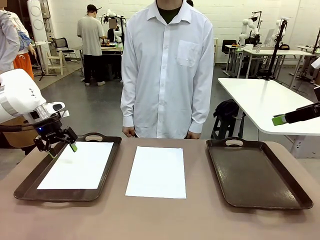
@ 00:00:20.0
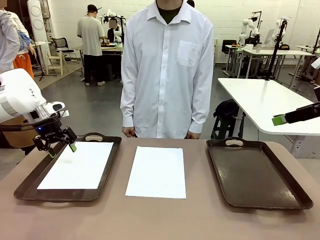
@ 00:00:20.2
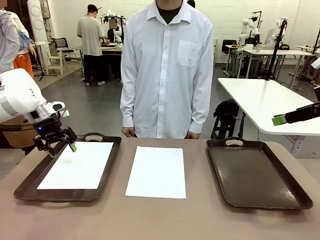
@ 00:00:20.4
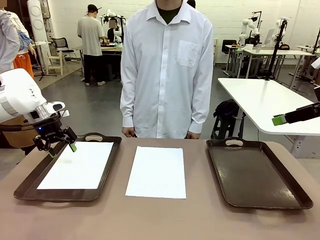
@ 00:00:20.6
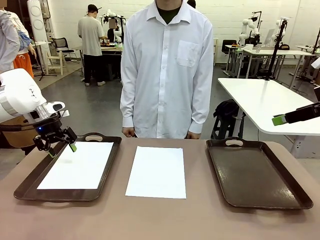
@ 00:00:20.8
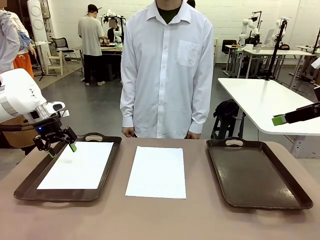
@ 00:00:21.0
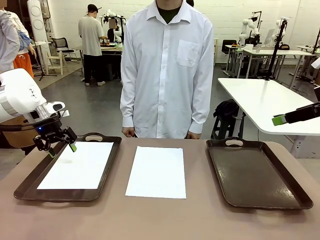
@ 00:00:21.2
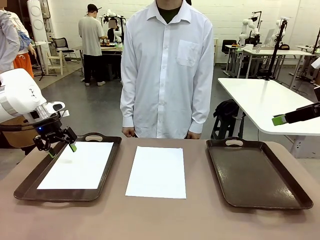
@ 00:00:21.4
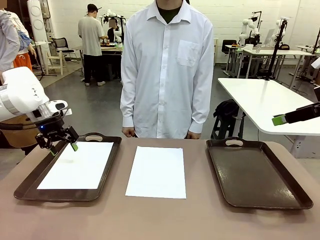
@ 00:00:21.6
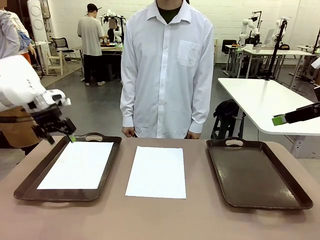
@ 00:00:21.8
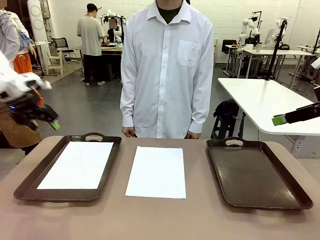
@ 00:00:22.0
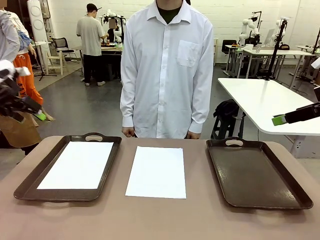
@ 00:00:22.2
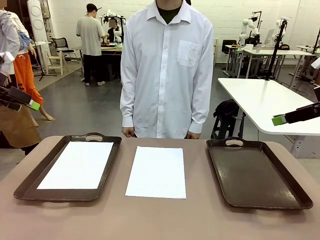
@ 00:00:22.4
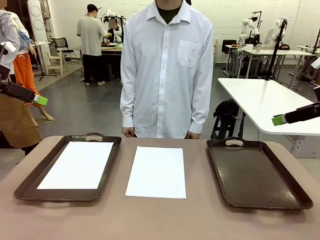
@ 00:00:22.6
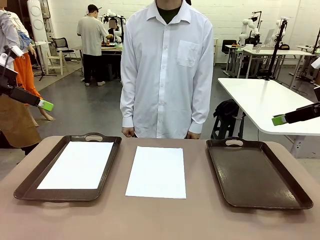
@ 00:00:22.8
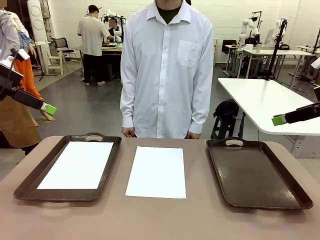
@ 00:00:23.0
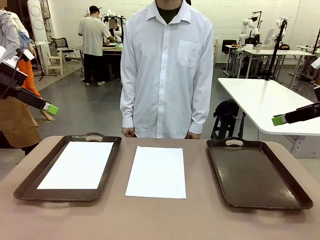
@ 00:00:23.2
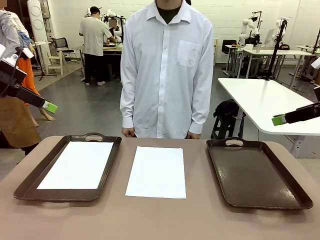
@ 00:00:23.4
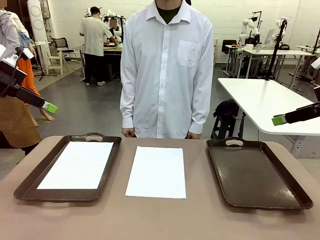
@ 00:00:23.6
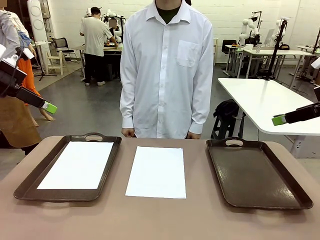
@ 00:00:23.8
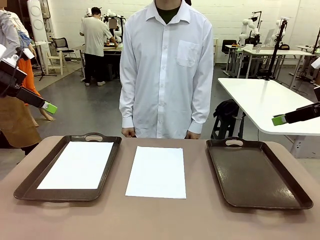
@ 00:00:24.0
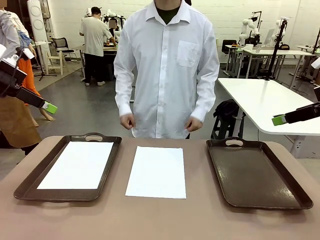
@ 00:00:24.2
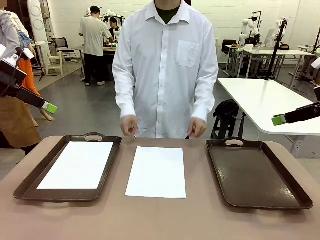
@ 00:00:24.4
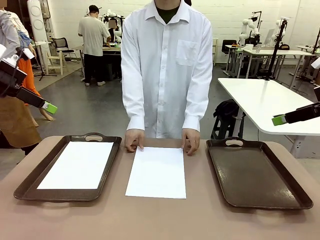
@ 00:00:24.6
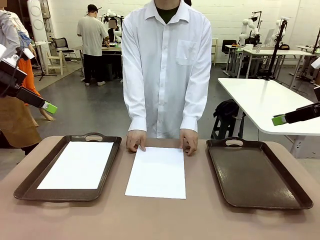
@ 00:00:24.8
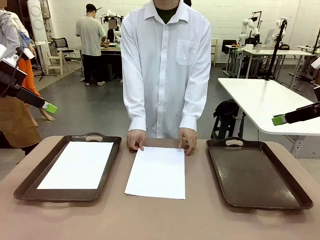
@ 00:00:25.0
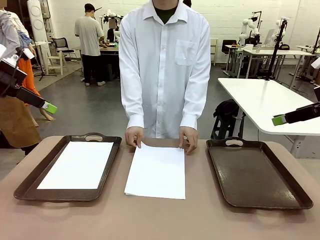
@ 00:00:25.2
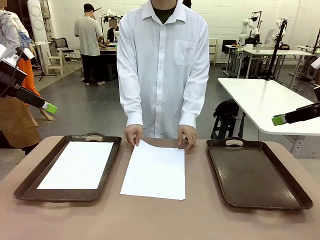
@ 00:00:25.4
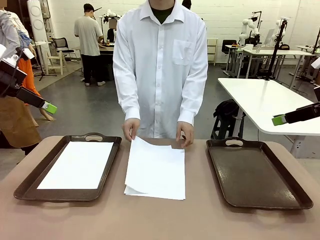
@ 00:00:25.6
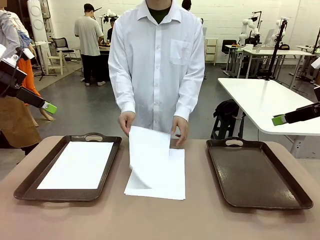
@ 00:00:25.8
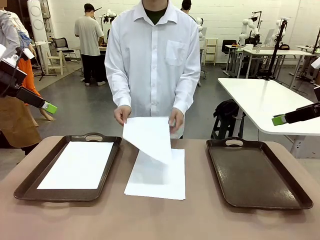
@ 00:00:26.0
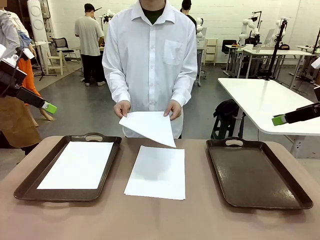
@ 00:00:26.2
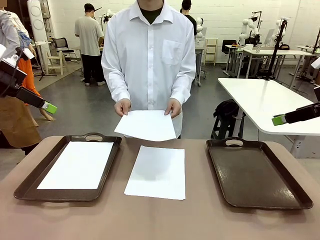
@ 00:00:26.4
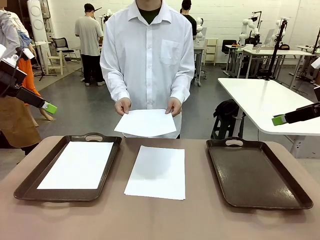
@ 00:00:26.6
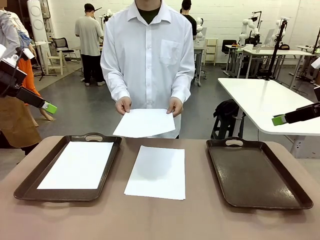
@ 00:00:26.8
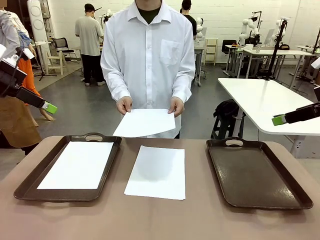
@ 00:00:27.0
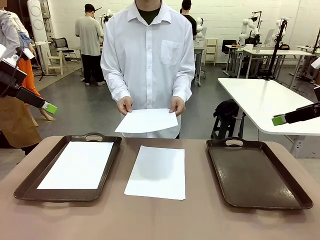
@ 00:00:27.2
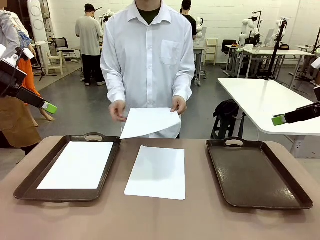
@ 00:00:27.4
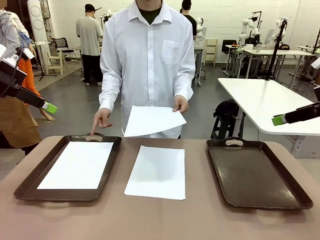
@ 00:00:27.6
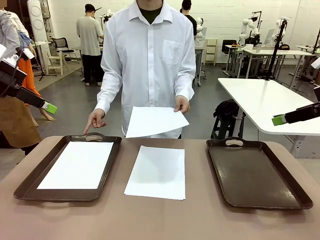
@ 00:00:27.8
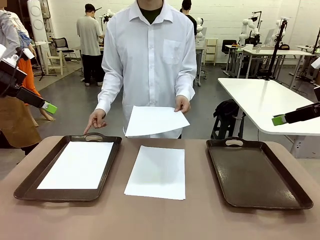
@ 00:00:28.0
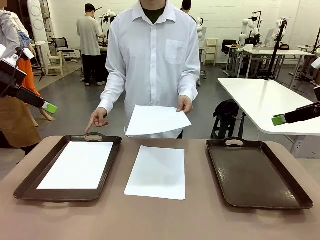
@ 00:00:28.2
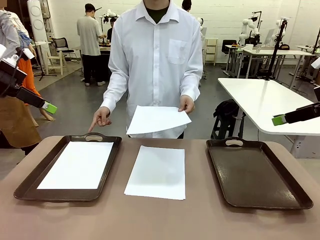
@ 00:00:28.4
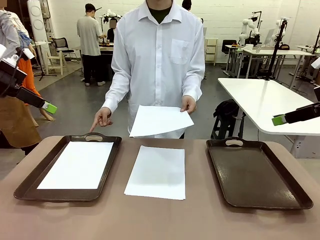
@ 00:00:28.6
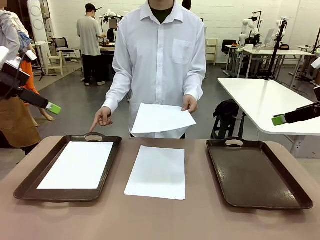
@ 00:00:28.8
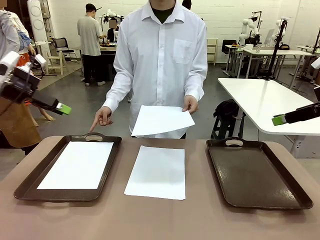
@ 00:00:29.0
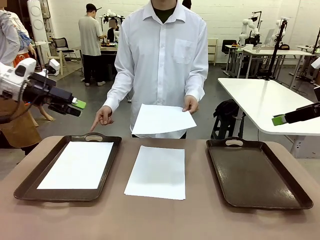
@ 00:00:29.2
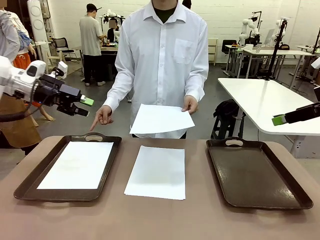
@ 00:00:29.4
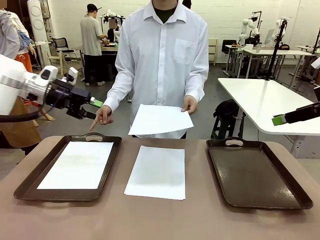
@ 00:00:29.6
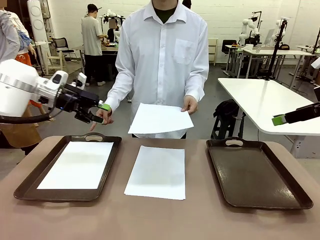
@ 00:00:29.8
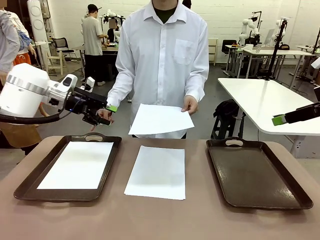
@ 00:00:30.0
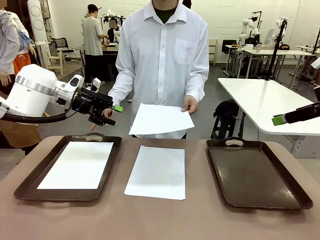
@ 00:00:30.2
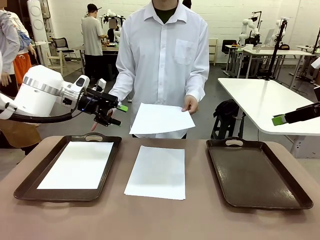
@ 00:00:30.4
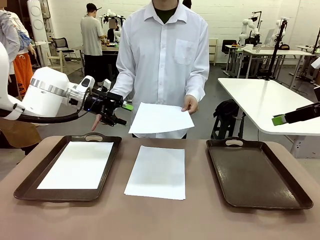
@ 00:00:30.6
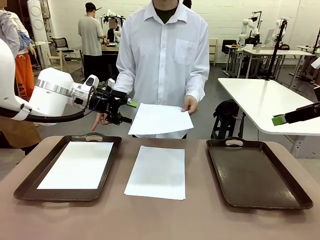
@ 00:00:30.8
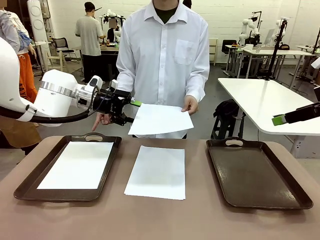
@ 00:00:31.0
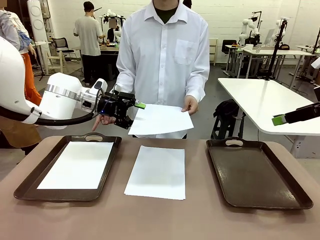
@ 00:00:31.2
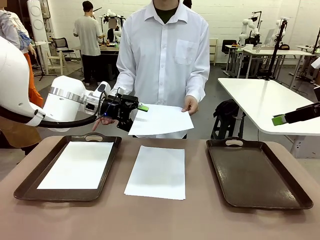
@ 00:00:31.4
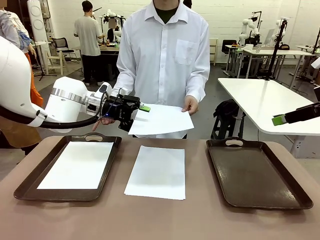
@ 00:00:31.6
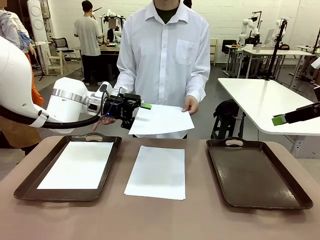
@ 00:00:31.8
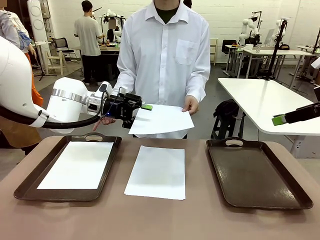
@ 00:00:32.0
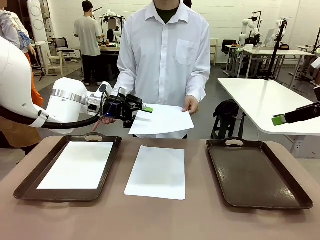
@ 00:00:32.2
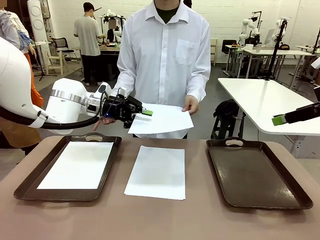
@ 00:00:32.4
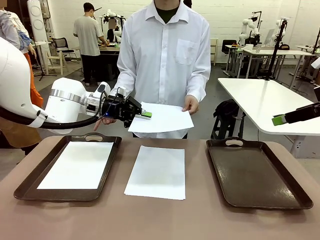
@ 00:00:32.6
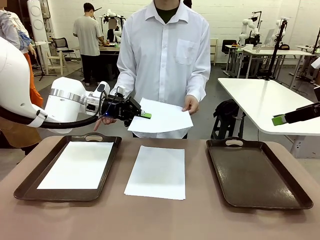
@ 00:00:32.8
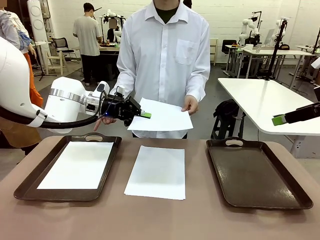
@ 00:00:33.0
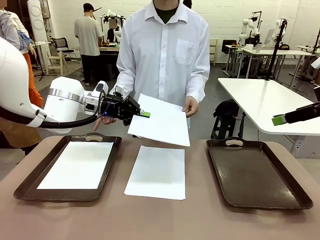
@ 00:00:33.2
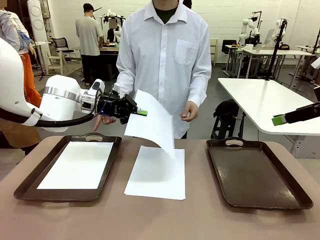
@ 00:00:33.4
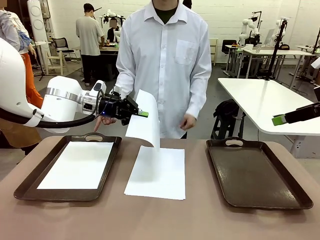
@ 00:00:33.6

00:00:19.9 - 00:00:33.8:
Task: Sort the A4 documents.
Robot: Receive the A4 Paper.
Person: Point the randomly selected tray with the other hand.

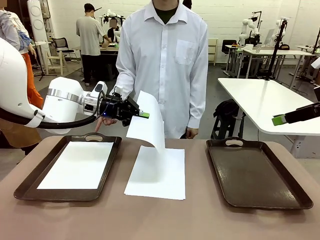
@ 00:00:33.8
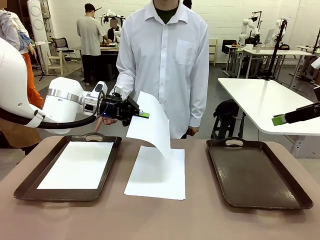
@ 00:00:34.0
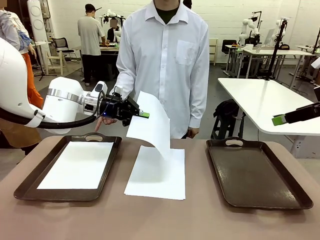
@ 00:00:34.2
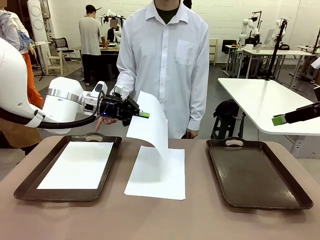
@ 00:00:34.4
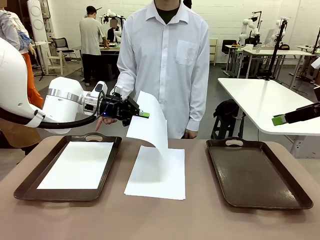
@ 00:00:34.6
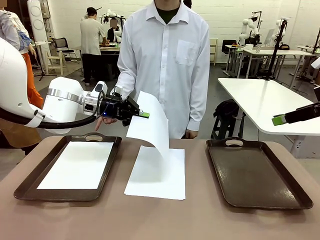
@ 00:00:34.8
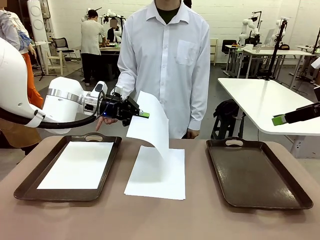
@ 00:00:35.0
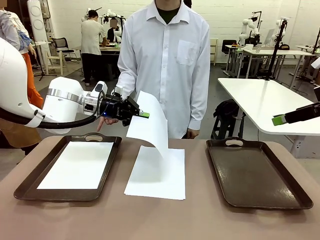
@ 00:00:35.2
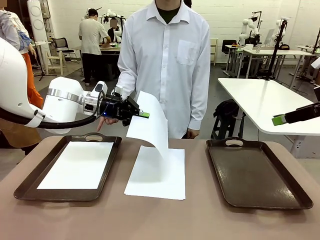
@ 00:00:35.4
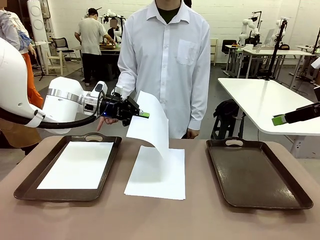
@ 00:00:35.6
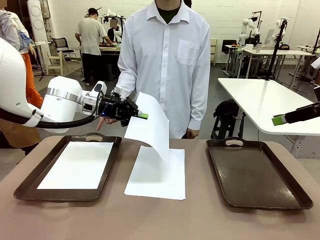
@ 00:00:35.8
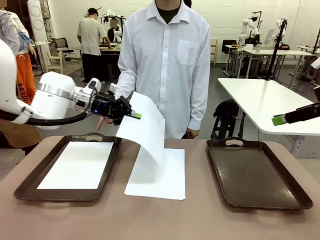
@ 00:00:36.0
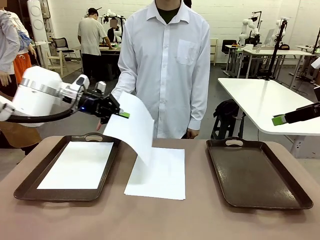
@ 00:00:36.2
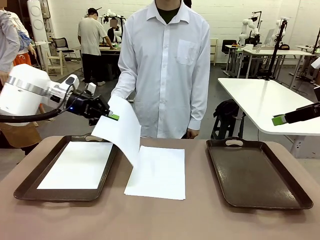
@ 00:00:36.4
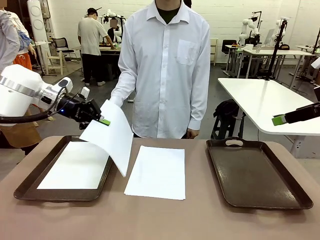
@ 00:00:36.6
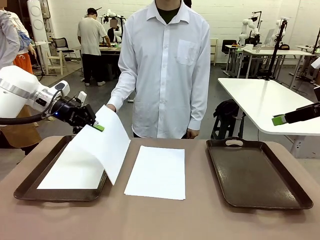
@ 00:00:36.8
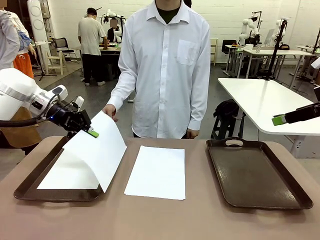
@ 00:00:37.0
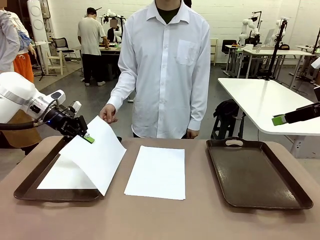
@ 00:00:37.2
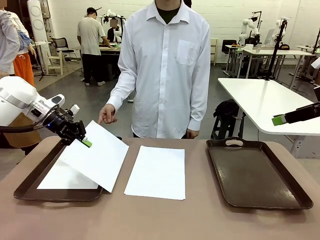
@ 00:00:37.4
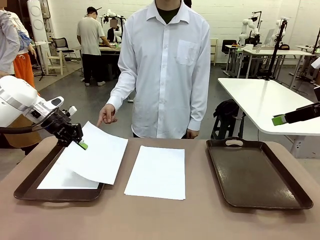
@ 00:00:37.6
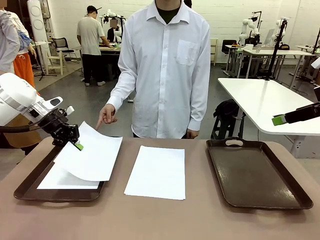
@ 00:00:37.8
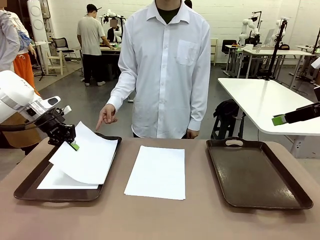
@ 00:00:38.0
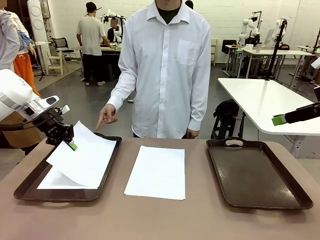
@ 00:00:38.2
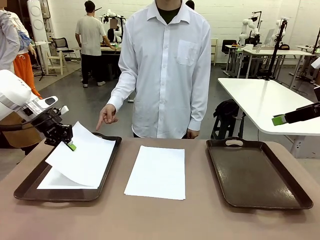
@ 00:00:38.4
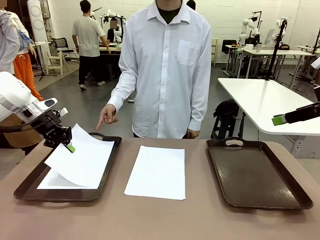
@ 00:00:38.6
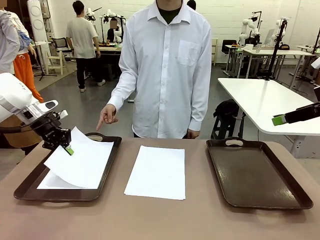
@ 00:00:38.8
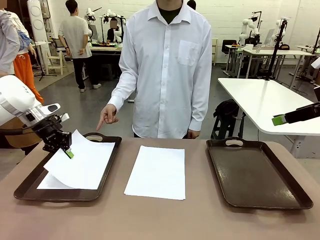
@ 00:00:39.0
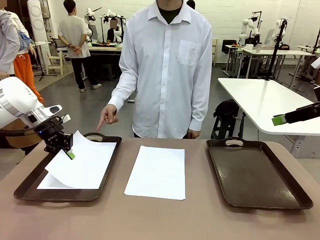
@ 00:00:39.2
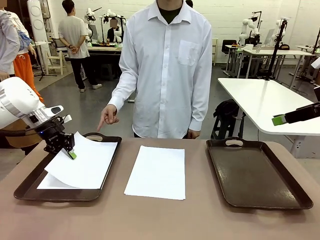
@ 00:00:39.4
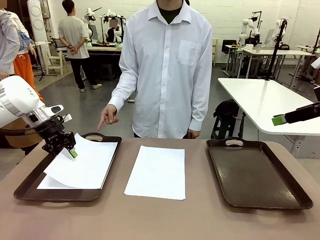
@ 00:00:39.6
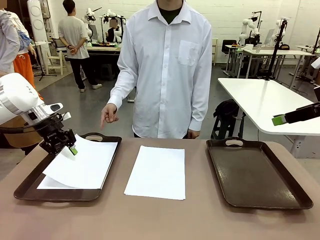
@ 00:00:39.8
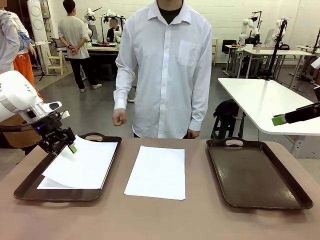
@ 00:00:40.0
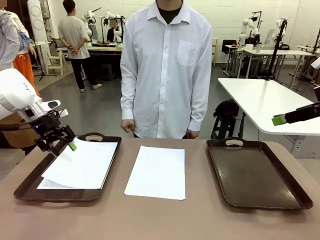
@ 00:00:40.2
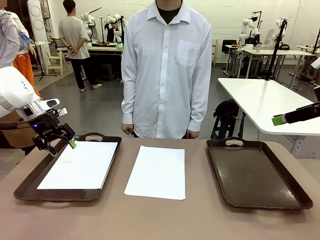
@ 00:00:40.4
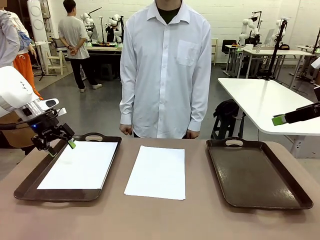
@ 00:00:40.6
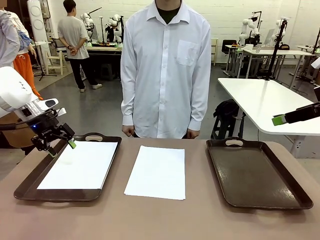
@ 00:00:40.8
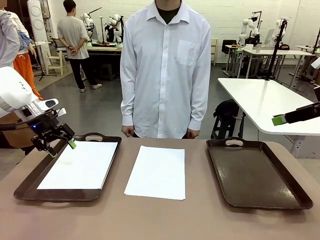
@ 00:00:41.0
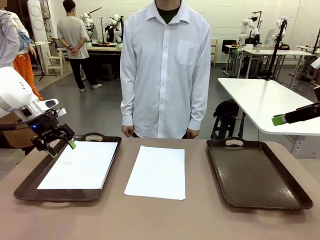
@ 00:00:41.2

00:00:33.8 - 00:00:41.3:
Robot: Place the A4 Paper in the designated Handle tray.
